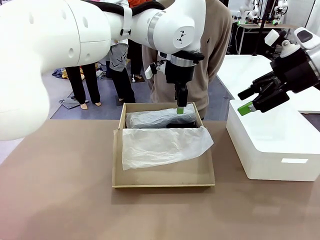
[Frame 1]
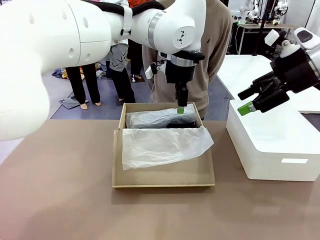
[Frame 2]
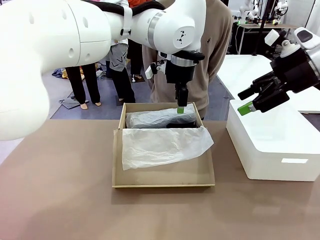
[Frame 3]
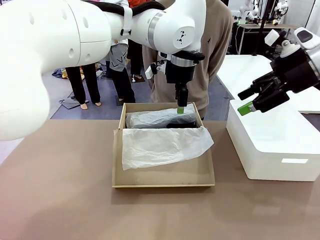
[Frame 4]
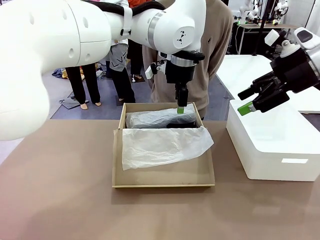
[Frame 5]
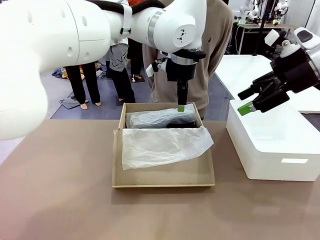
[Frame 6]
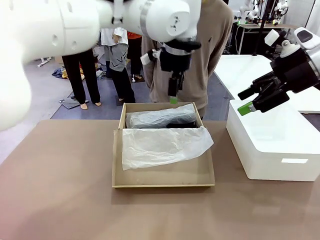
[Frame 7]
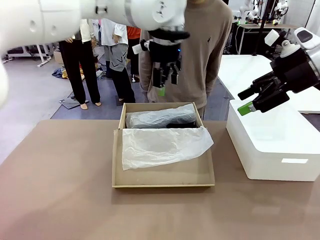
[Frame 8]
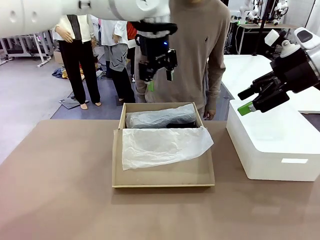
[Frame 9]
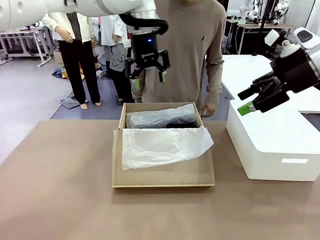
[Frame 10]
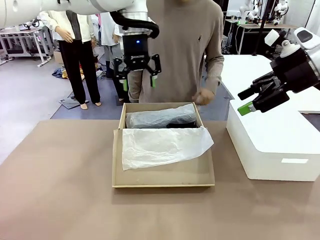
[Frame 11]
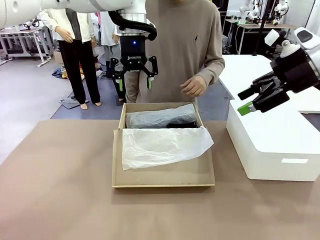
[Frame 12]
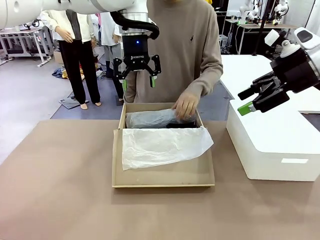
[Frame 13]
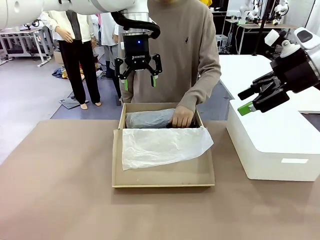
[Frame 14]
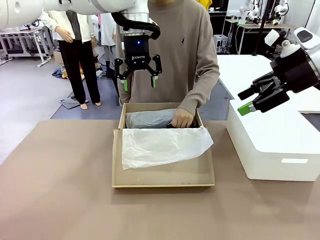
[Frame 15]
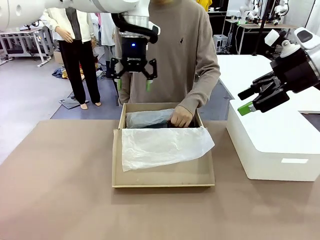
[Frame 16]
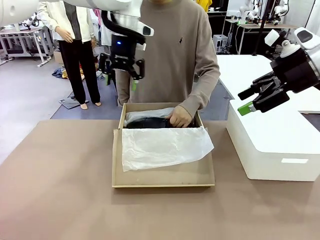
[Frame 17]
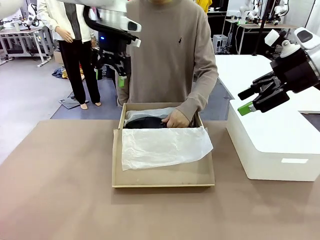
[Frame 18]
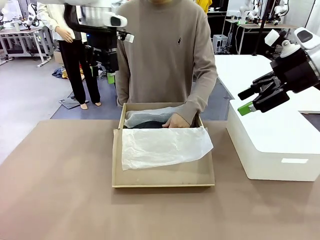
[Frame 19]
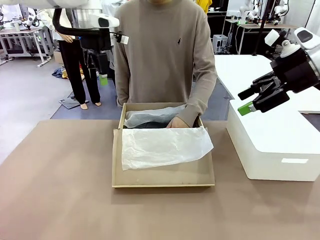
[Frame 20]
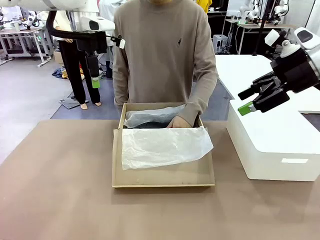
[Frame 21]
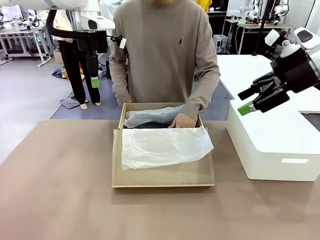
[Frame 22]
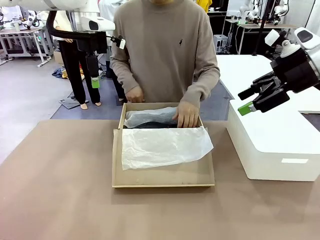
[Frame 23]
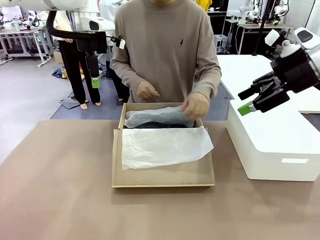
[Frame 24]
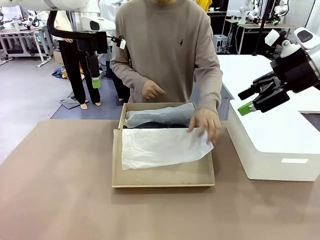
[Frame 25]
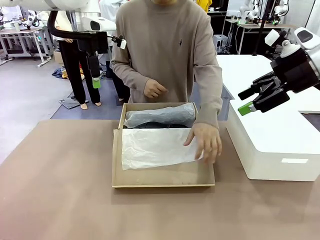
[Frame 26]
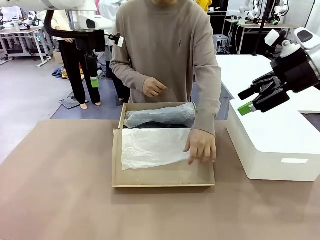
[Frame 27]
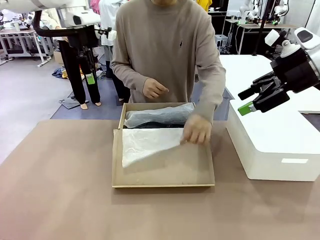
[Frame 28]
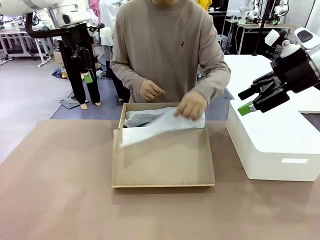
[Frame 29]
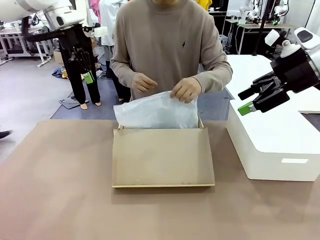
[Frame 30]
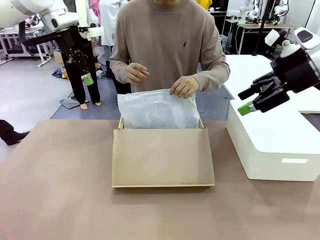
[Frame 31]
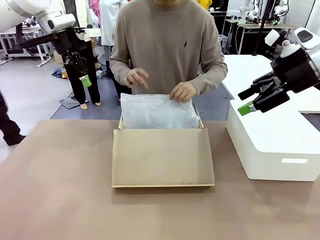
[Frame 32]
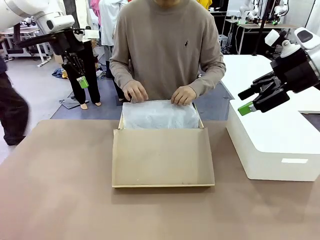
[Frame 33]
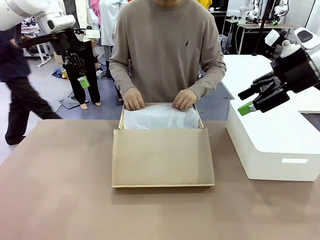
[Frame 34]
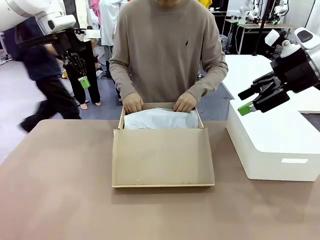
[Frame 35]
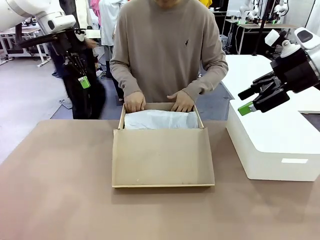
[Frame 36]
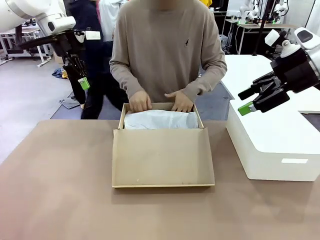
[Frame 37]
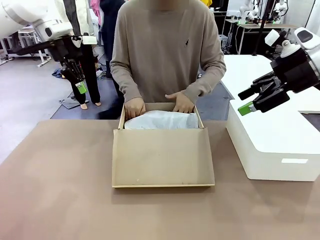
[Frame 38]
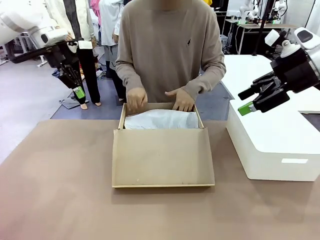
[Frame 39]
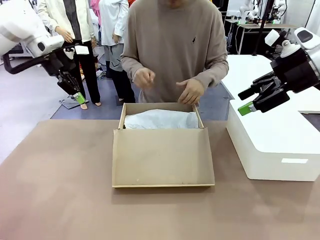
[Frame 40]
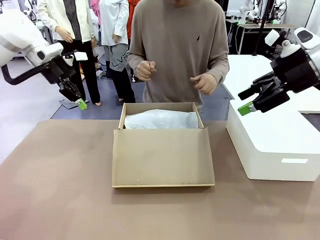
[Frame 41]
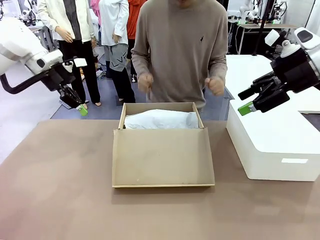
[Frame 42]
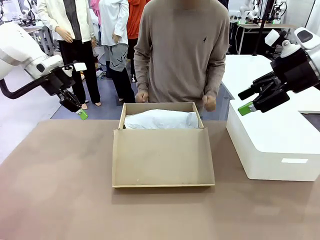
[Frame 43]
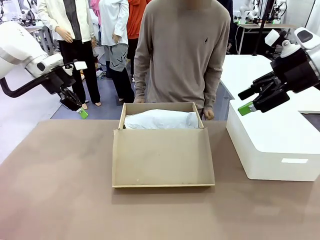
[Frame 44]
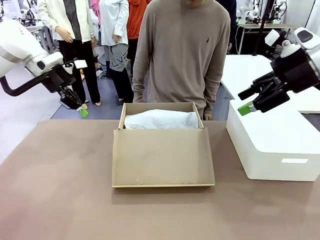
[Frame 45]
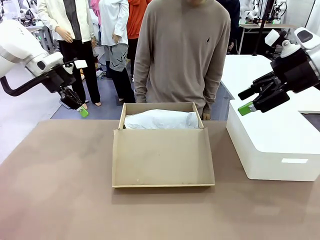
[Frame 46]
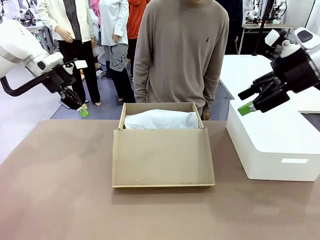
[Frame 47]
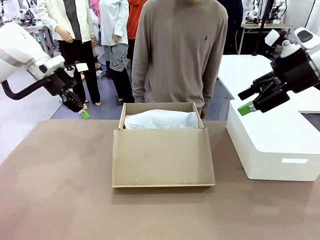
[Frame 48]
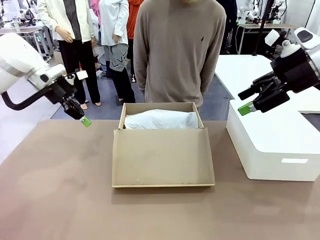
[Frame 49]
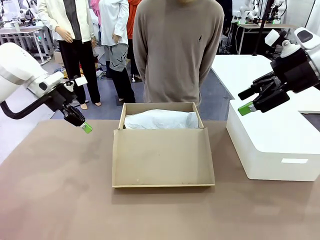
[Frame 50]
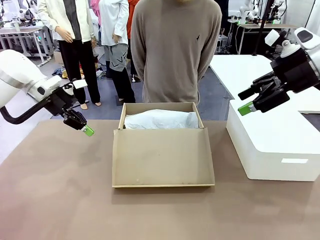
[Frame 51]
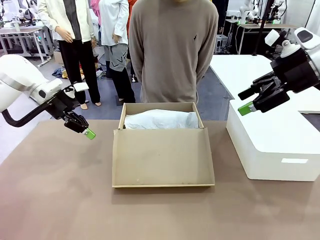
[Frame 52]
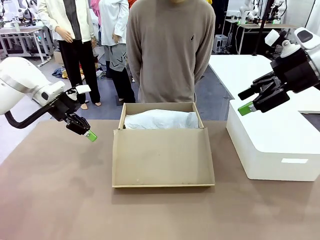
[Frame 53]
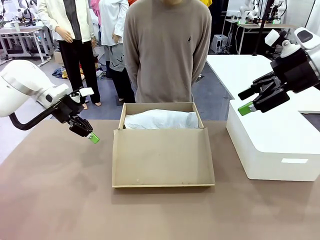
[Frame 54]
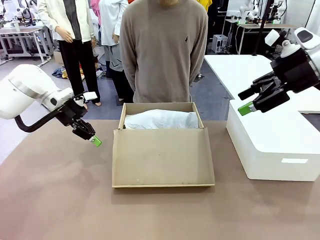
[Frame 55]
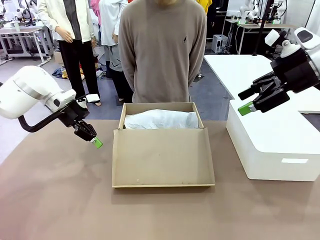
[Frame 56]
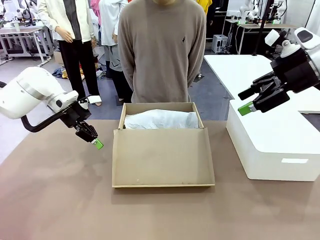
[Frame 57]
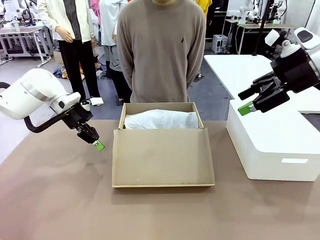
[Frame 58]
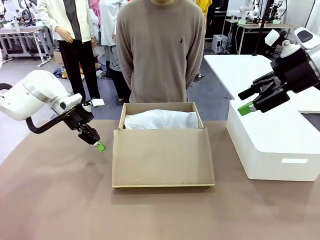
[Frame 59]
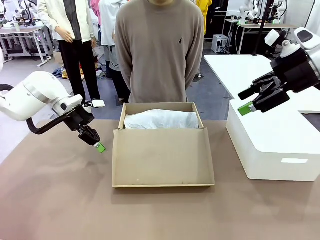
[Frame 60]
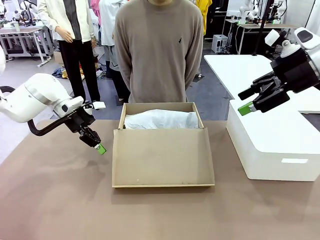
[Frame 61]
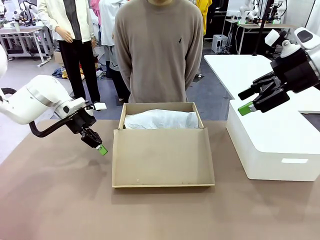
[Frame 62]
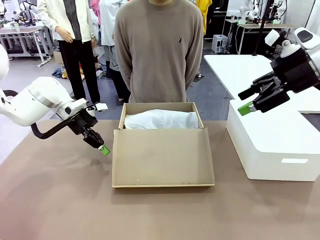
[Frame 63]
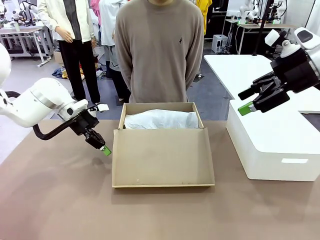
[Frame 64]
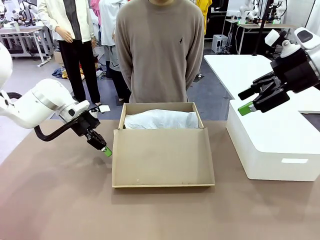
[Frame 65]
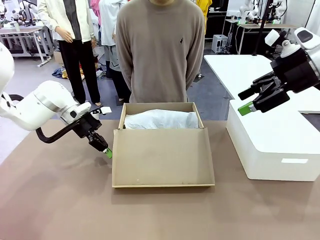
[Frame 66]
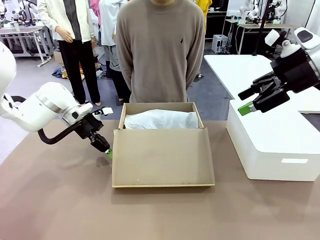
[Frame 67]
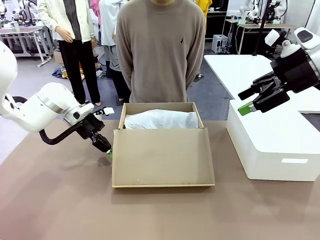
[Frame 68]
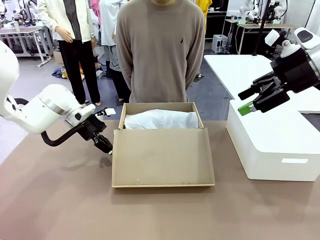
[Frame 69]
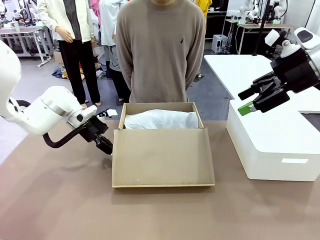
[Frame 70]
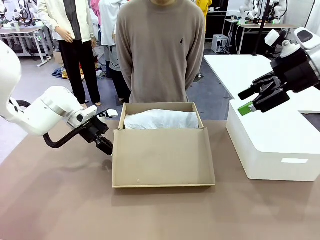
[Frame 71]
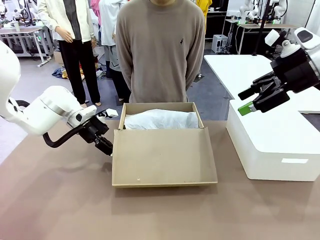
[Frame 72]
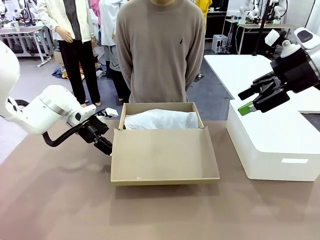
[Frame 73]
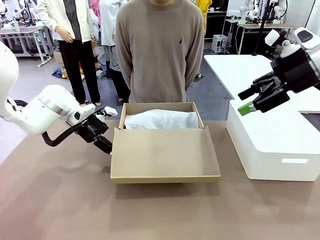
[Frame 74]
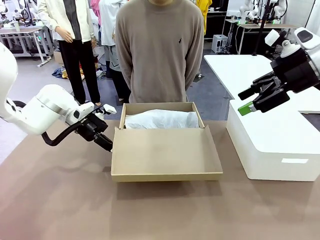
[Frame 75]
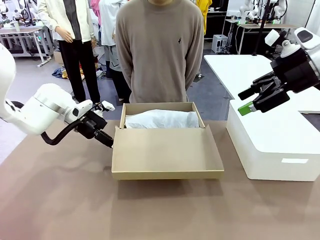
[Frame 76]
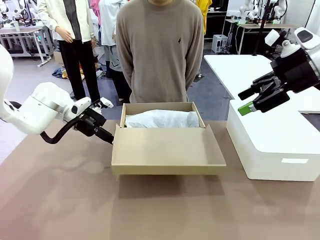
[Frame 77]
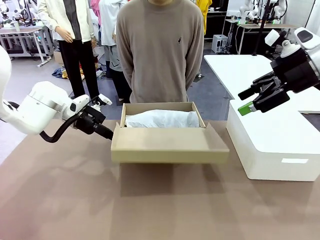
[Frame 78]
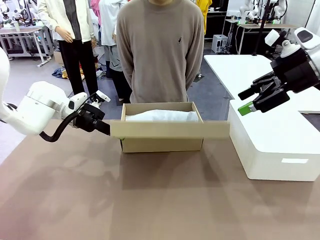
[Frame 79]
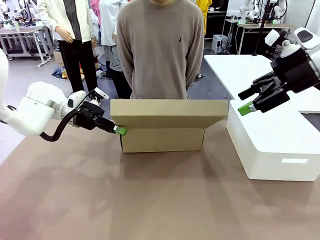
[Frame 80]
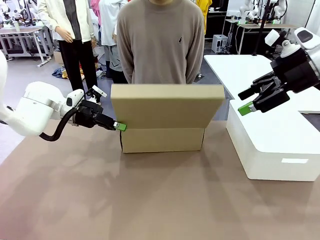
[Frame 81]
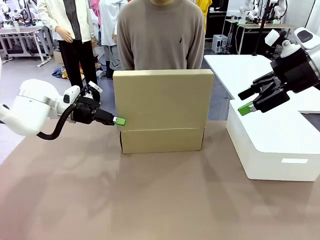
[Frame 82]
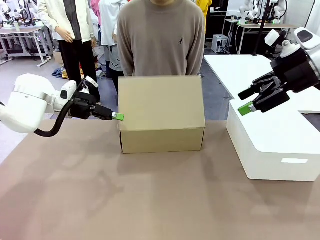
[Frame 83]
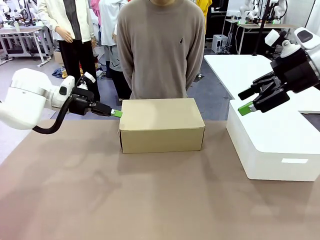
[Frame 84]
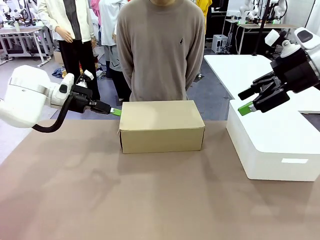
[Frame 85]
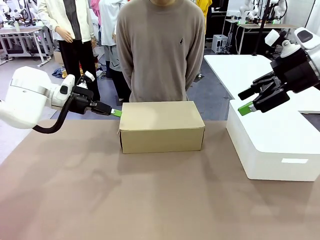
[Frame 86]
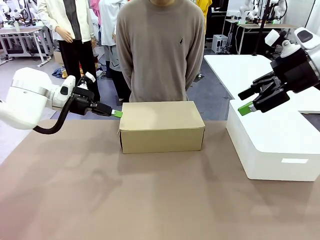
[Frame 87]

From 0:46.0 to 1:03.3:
Task: Pack the shoes into the box.
Robot: Close the Shoes Box.
